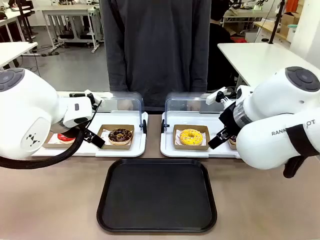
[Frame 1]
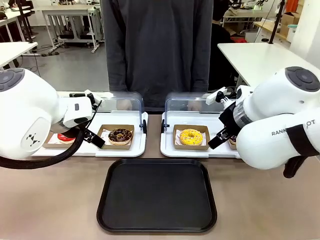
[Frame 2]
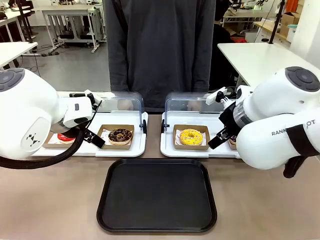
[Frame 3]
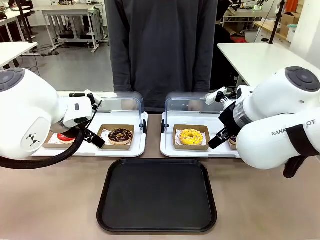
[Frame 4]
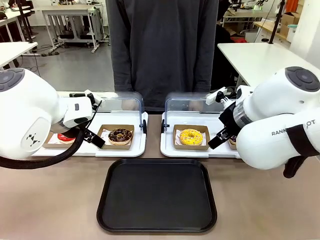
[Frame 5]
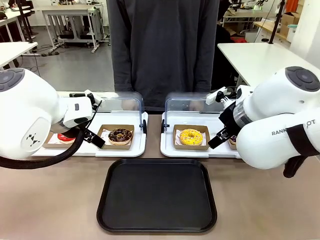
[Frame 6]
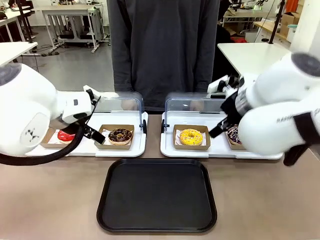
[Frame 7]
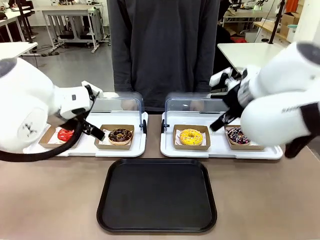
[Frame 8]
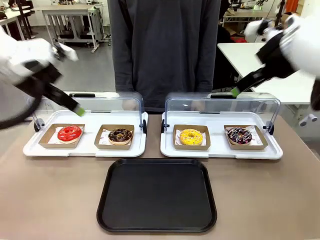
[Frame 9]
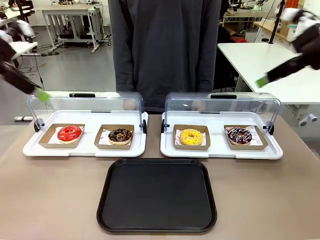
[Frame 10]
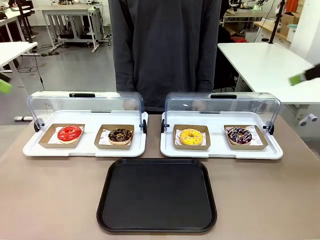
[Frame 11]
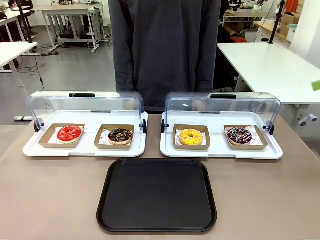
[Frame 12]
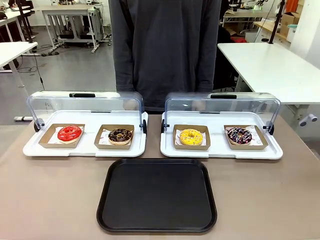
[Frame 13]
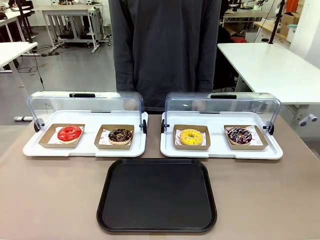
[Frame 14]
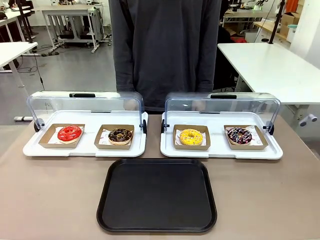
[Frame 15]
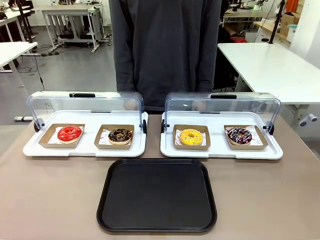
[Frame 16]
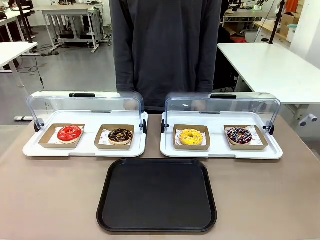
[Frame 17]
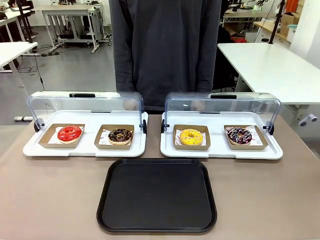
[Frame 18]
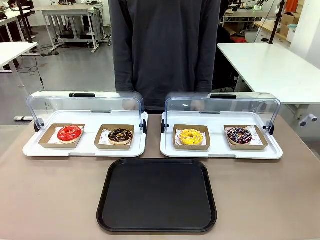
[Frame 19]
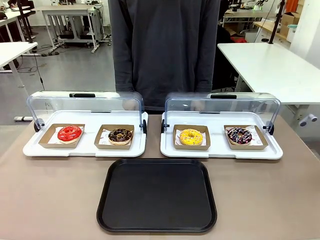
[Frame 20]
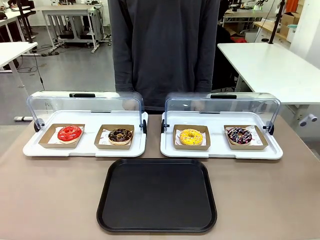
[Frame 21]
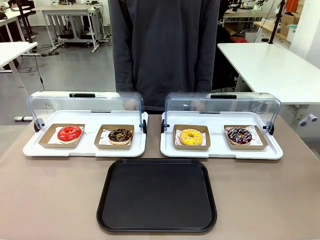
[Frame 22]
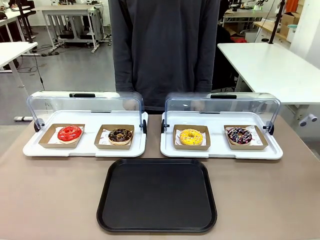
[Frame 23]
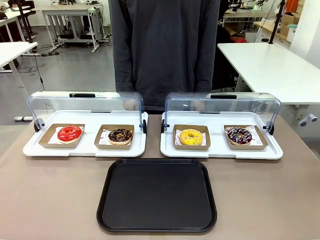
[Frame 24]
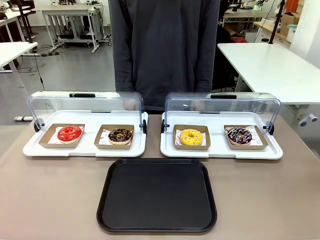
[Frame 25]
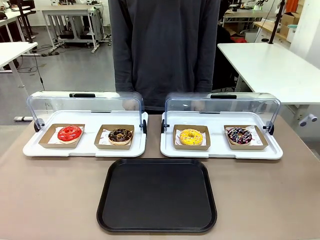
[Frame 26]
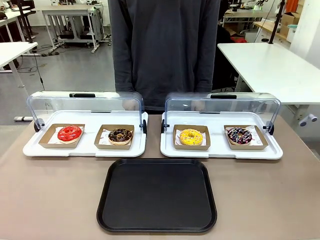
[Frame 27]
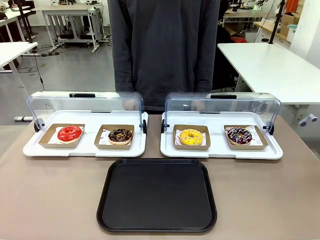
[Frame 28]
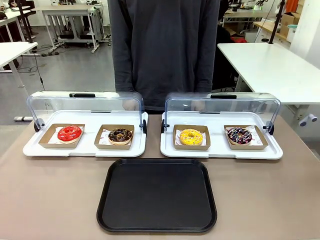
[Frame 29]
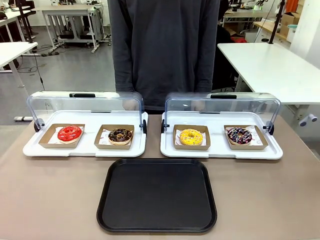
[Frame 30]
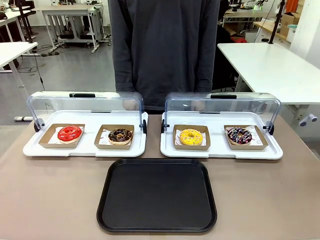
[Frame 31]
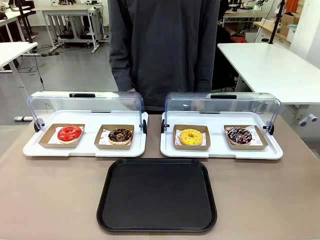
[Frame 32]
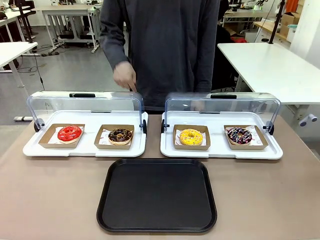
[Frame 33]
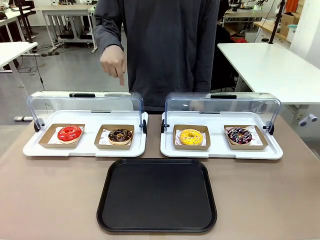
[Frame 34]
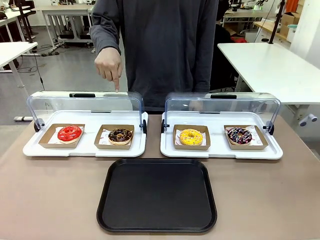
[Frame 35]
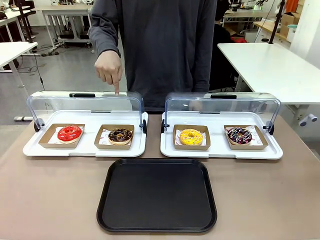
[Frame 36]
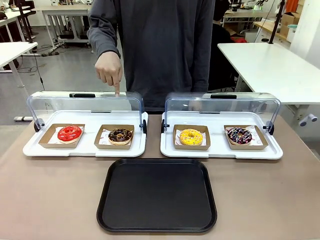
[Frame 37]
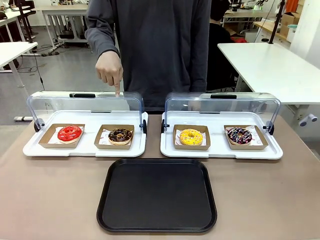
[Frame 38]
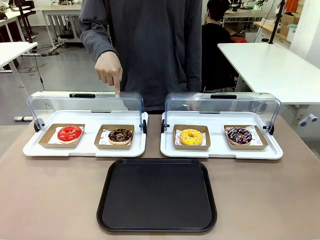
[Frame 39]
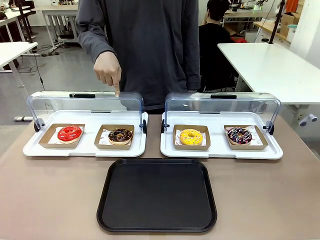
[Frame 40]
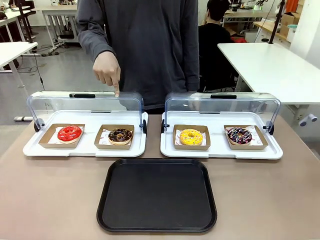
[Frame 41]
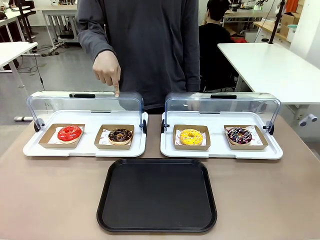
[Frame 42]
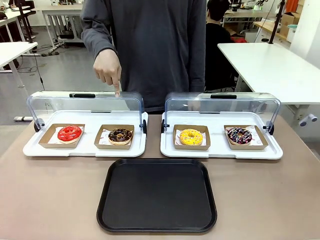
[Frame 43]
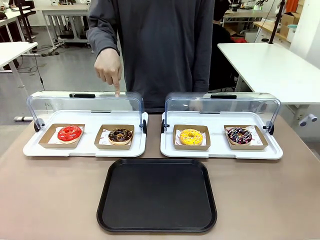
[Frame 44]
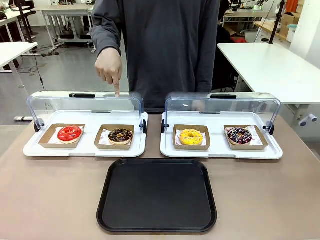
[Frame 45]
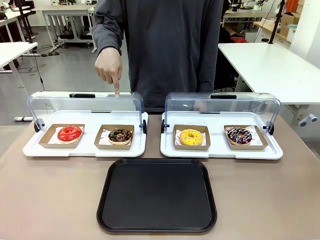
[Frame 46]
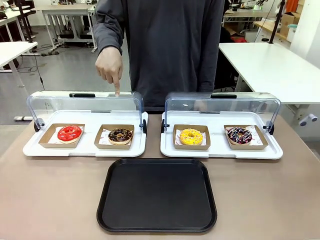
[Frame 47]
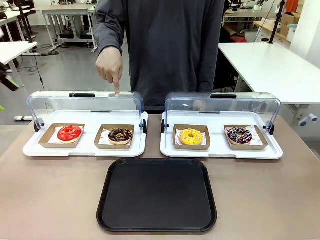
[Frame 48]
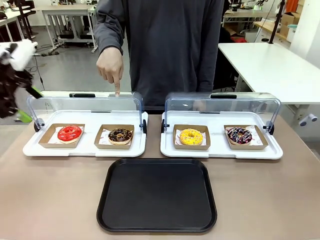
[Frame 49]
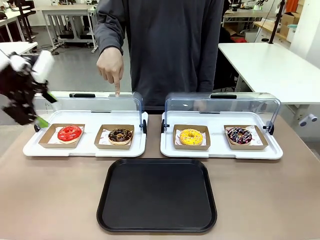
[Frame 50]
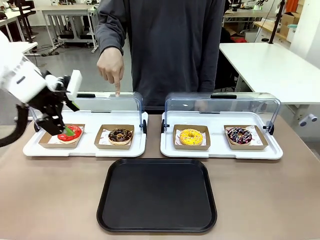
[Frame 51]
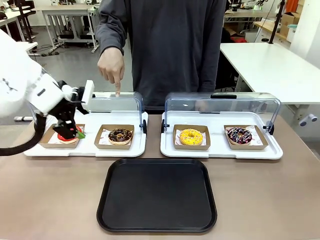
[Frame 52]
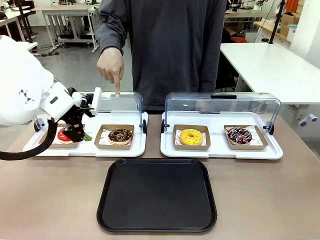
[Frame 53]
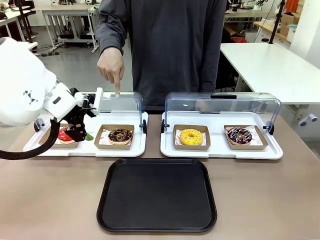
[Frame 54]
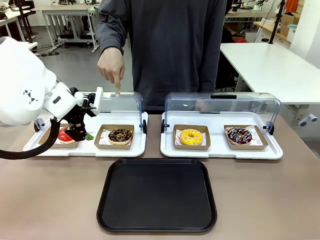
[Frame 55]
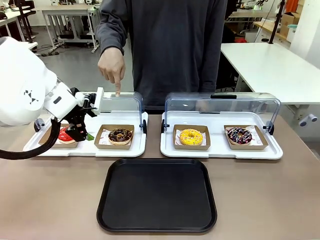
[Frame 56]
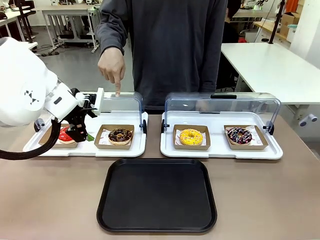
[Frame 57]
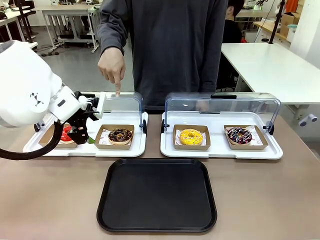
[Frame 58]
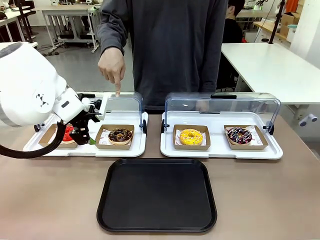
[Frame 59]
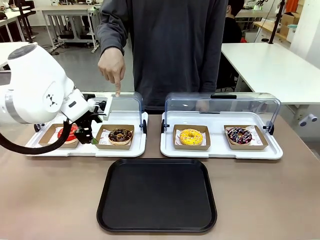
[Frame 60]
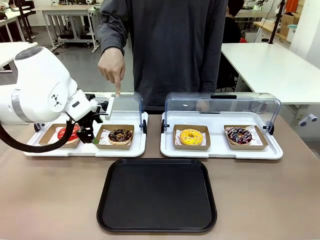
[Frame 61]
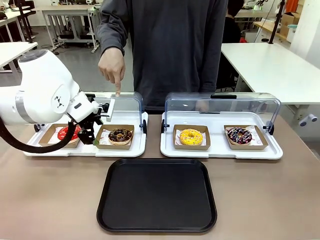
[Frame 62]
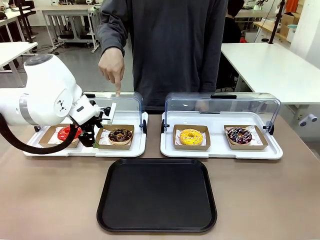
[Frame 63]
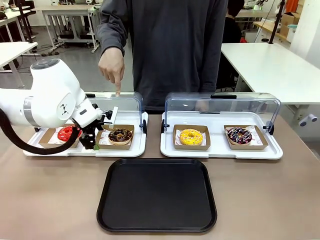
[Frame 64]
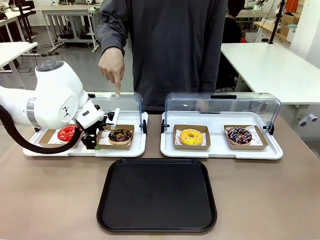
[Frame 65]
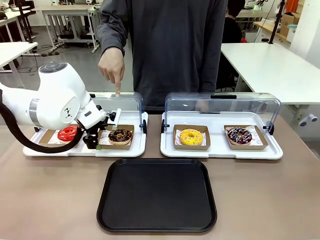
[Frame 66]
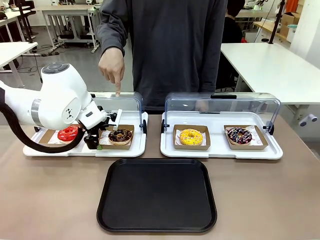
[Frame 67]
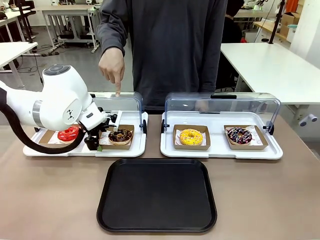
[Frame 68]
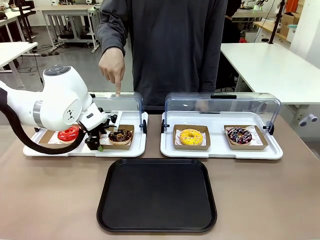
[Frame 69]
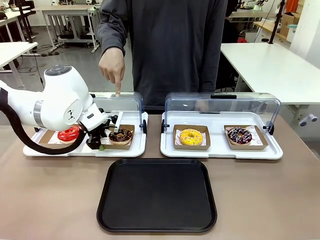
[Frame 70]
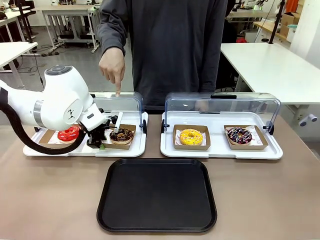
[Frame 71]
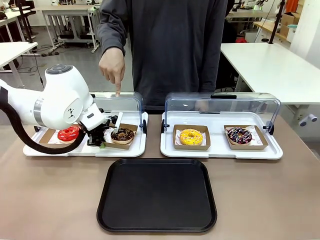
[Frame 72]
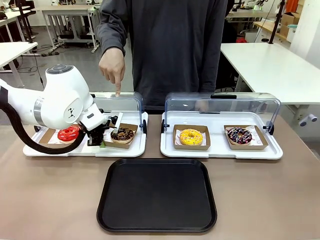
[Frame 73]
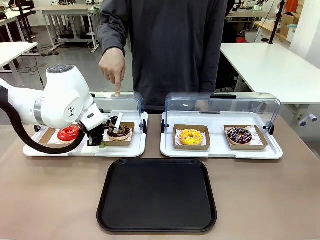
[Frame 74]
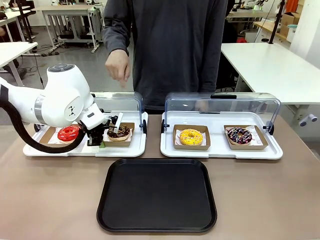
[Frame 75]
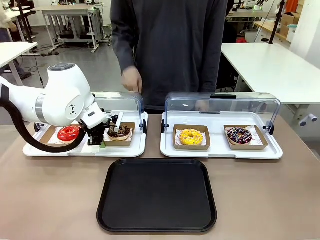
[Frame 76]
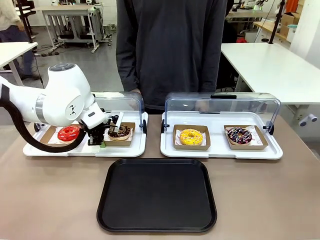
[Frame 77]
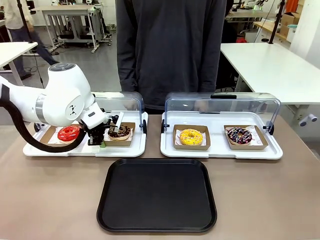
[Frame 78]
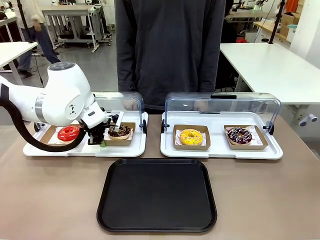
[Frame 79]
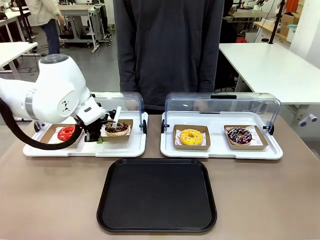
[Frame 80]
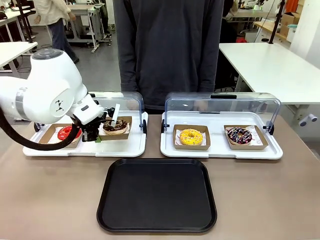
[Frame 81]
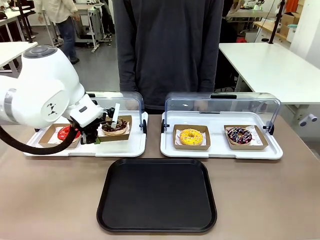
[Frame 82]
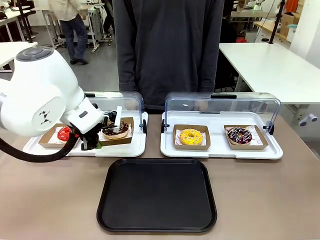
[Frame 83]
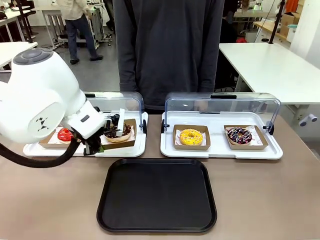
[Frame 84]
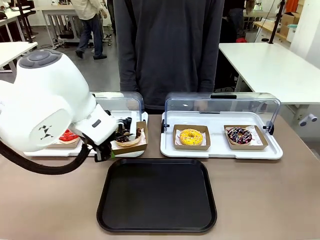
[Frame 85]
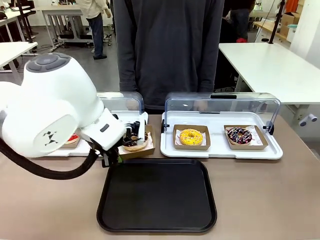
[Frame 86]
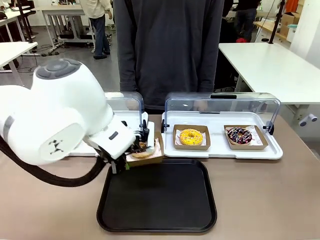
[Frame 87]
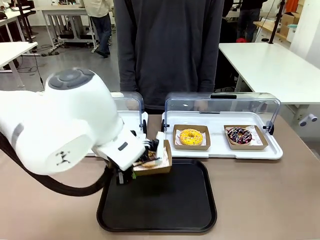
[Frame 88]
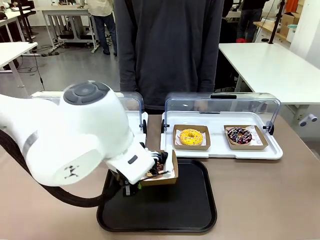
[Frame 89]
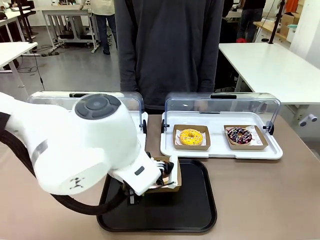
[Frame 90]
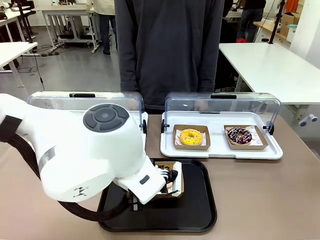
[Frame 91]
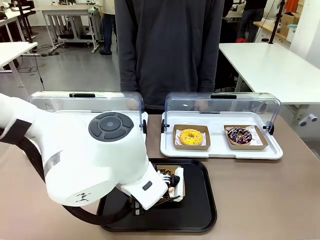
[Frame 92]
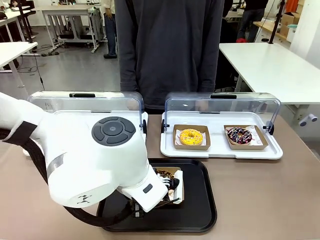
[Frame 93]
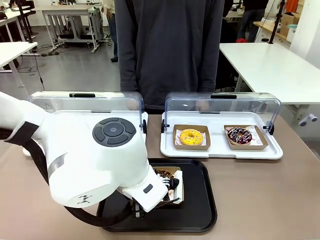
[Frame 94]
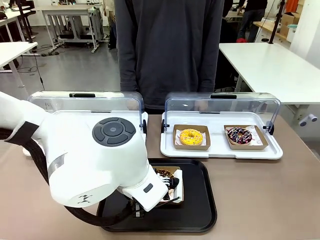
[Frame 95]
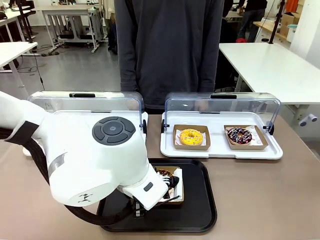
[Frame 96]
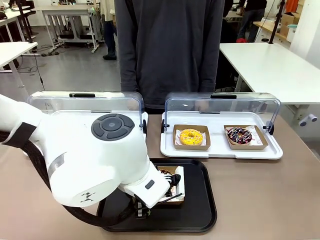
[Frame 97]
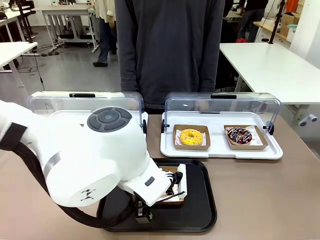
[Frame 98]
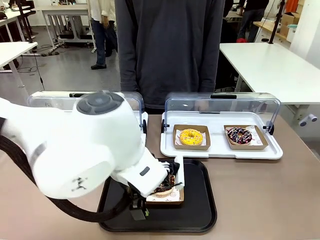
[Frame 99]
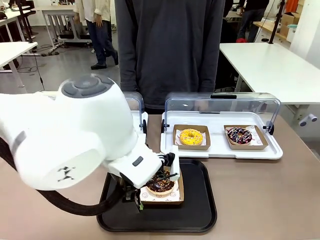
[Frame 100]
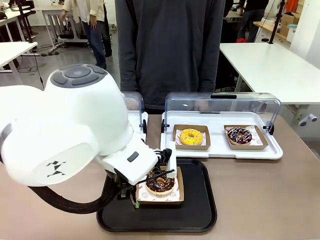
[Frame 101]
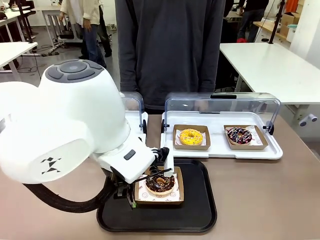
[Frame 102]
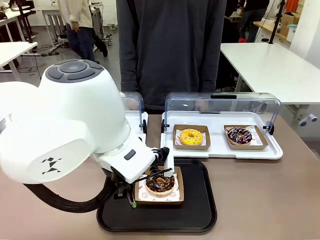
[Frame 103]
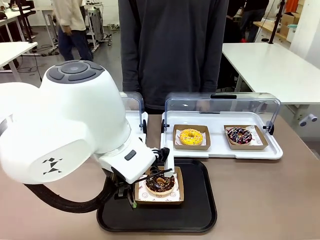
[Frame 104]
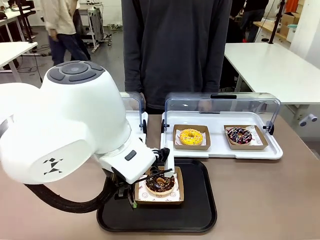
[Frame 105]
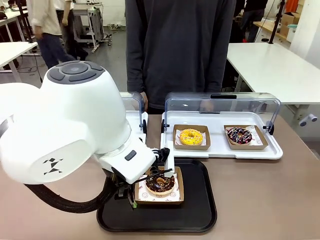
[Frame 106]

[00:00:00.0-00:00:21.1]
Task: Move the second donut from the left to the tray.
Robot: Pick up the Paper togo box containing the Donut indicated by the person and place it on the Handle tray.
Person: Points to the second donut from the left from the robot’s perspective.
